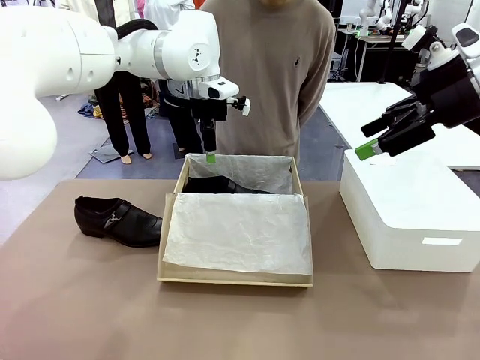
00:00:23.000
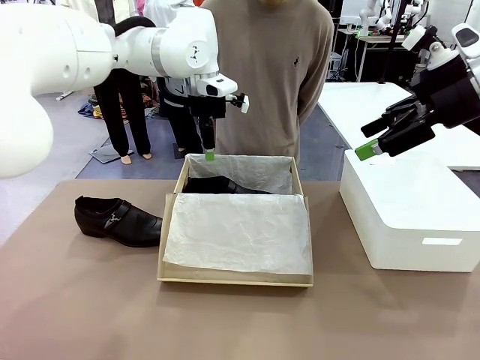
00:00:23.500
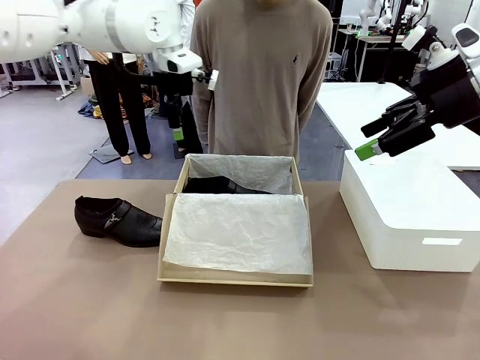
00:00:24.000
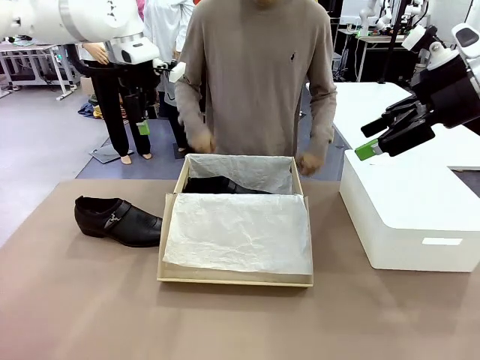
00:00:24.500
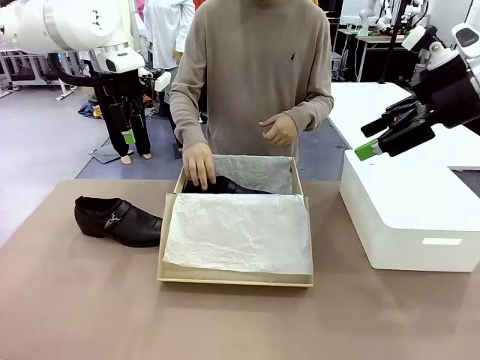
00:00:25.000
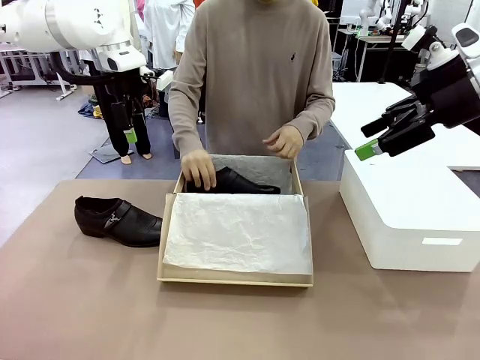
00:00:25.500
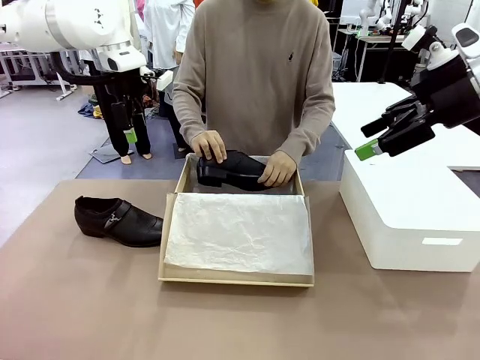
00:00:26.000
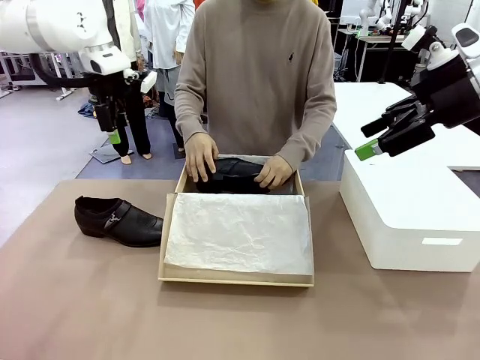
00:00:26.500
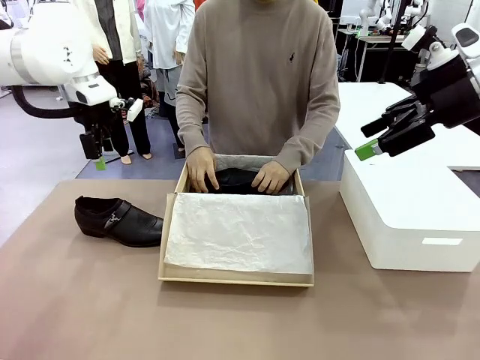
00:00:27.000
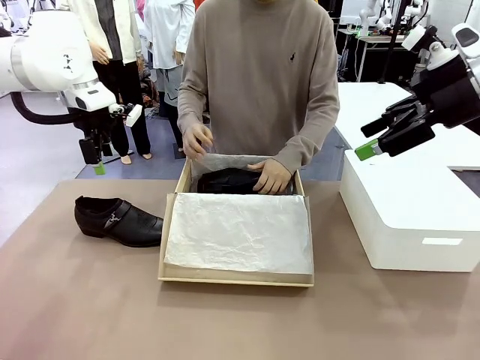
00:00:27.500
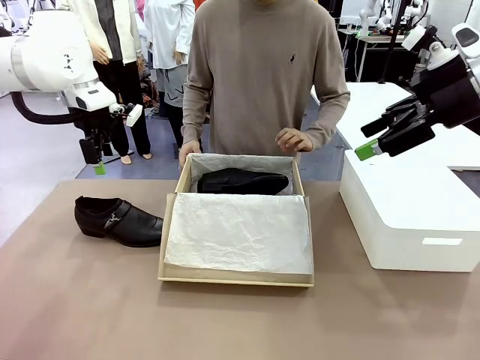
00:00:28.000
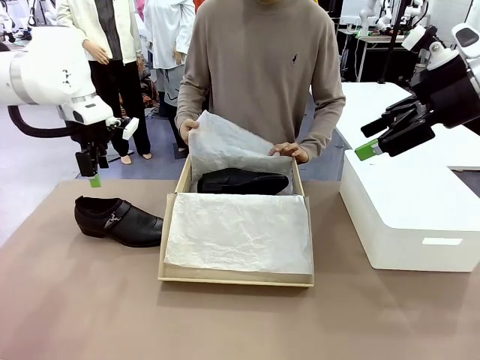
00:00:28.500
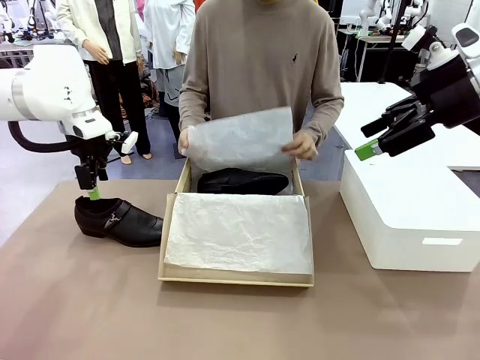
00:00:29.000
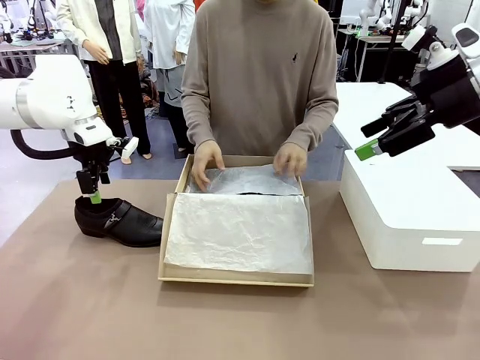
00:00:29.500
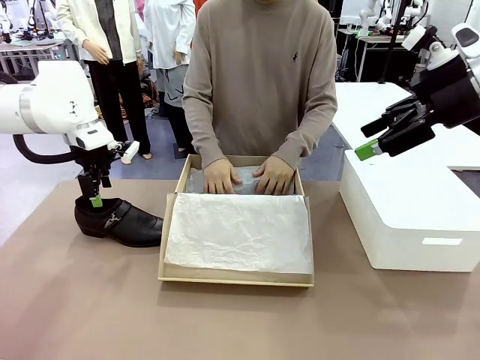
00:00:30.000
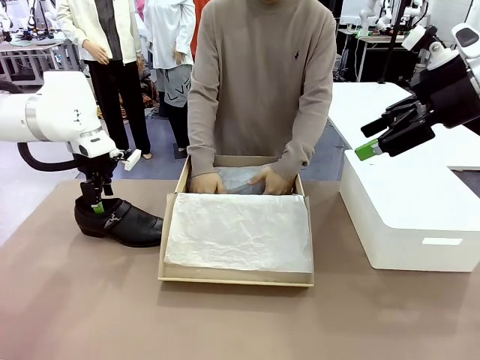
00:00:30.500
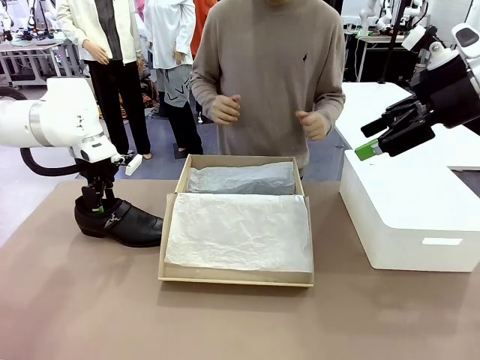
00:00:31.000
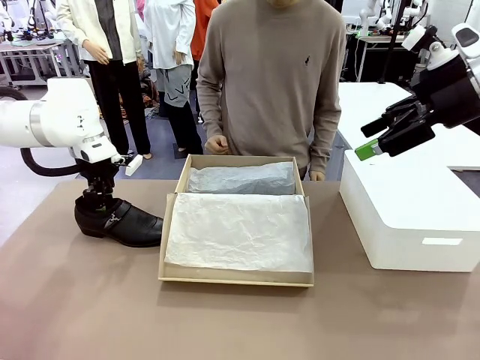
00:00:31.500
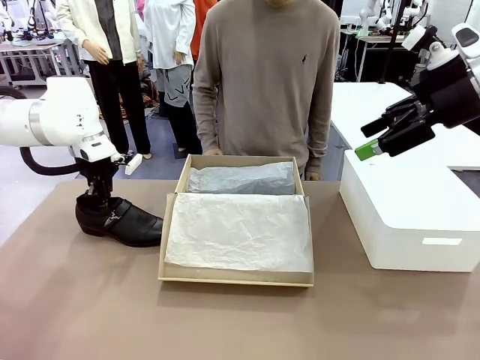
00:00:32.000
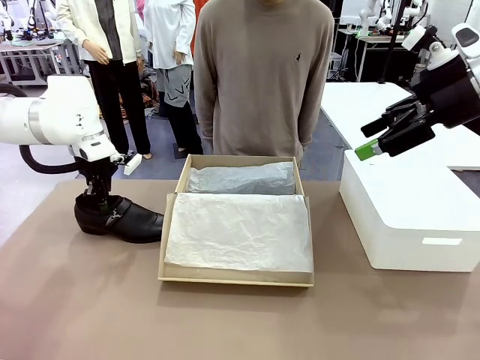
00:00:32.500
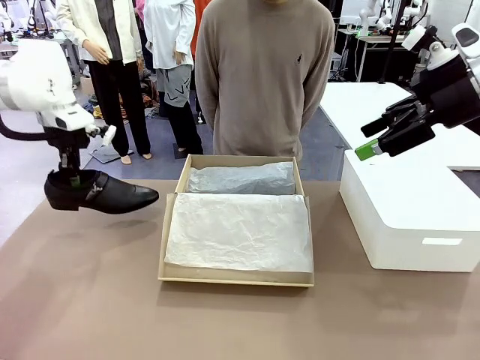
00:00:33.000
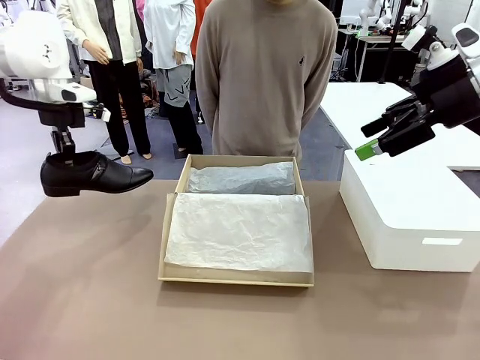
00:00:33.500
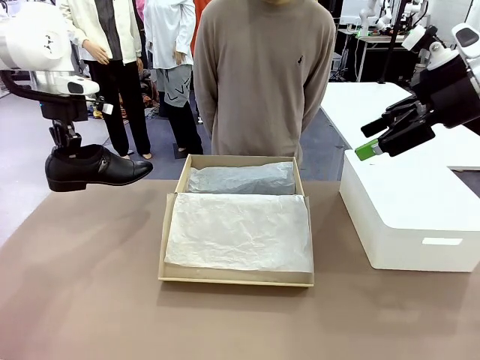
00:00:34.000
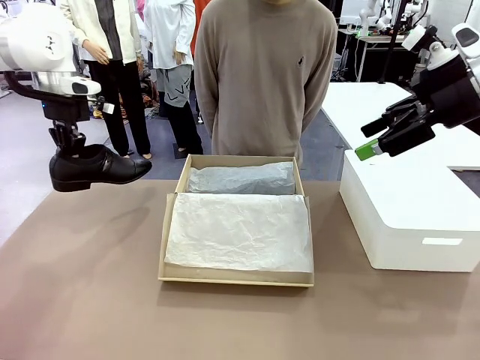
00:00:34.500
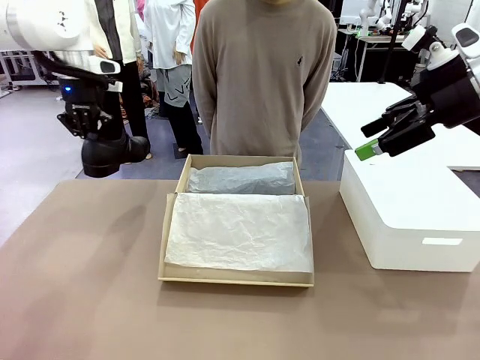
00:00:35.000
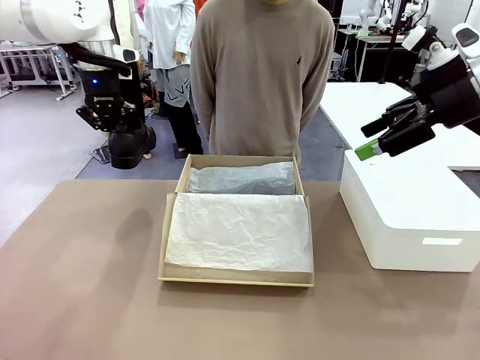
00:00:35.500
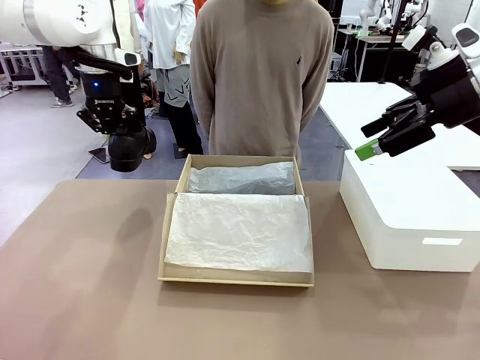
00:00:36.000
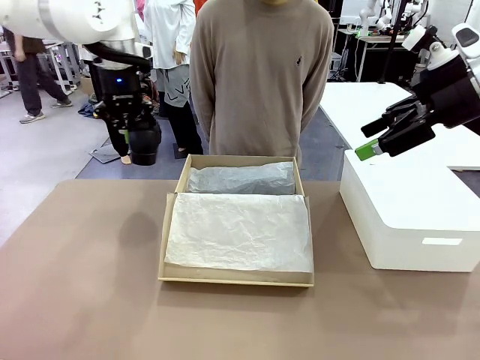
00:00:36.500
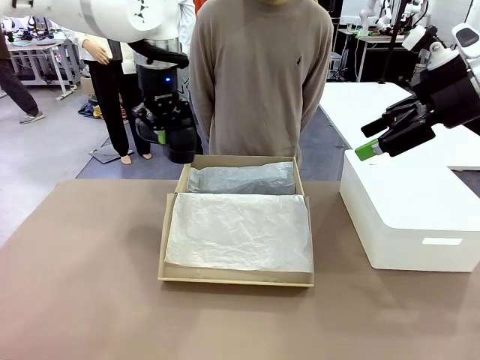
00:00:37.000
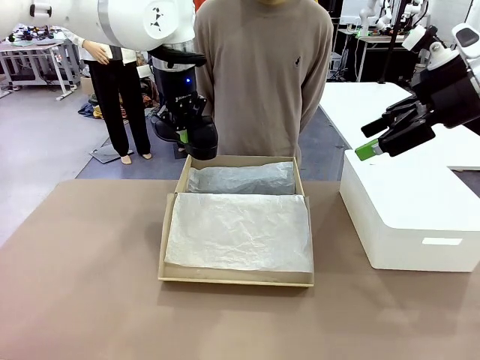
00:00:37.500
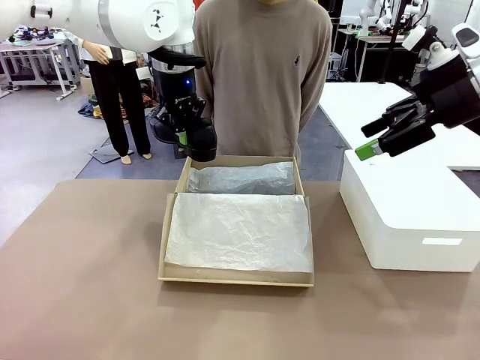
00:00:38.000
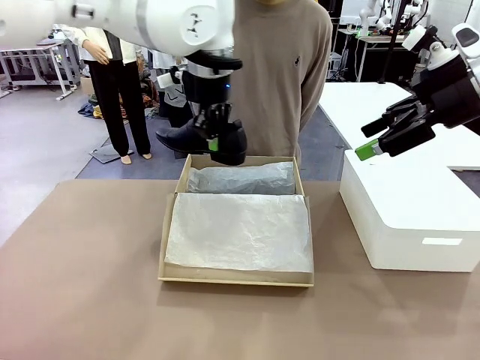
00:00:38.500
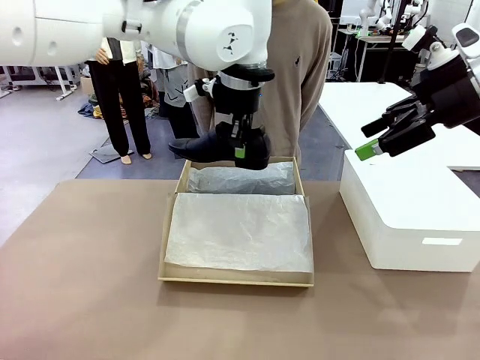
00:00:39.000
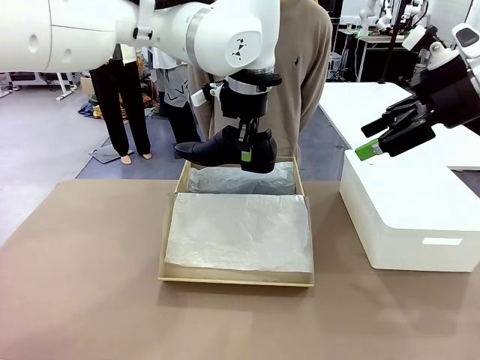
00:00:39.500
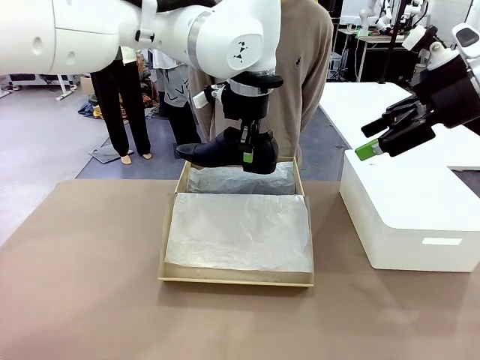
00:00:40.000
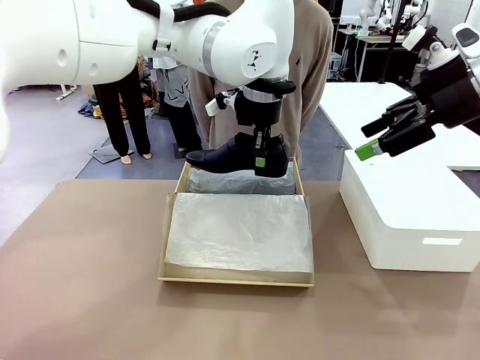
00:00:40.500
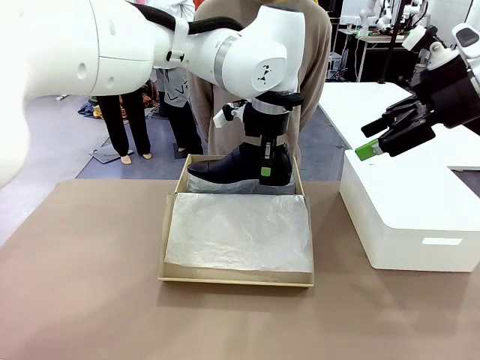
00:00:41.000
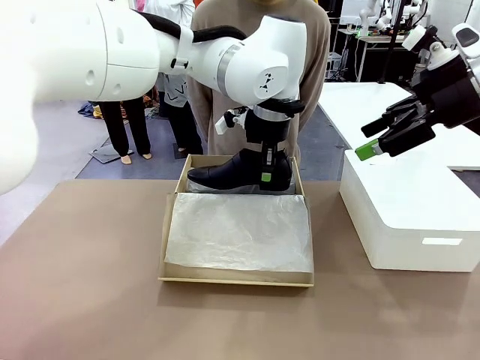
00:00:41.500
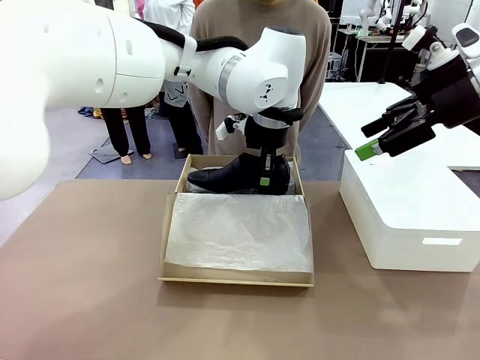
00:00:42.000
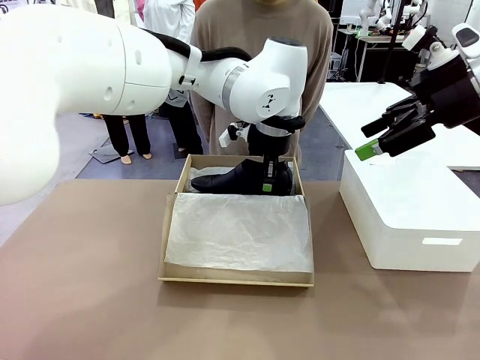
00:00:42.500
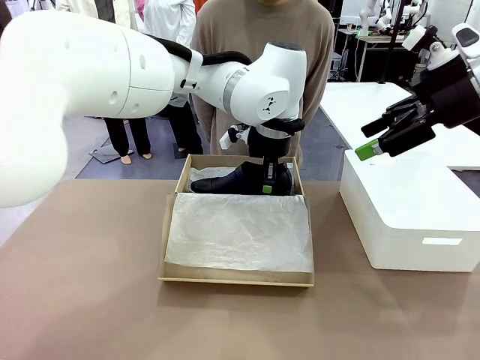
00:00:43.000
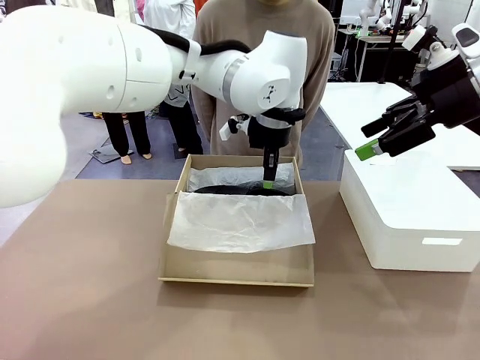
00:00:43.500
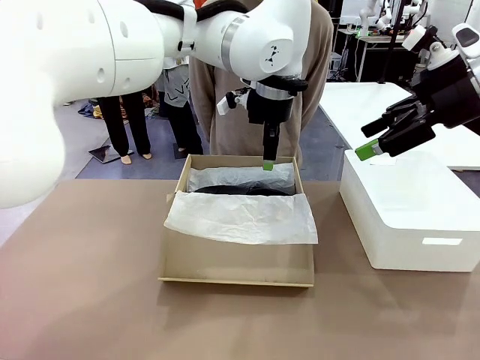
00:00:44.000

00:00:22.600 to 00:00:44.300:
Task: Pack the shoes into the box.
Robot: Place the other shoe of the Shoes into the Shoes Box.
Person: Pack a shoe of Shoes inside the Shoes Box with Shoes Wrapping Paper.
